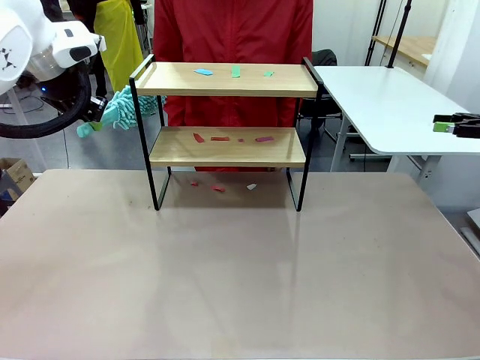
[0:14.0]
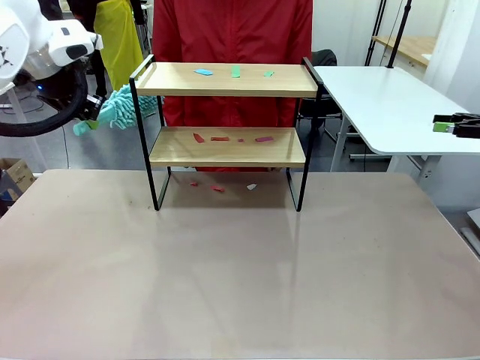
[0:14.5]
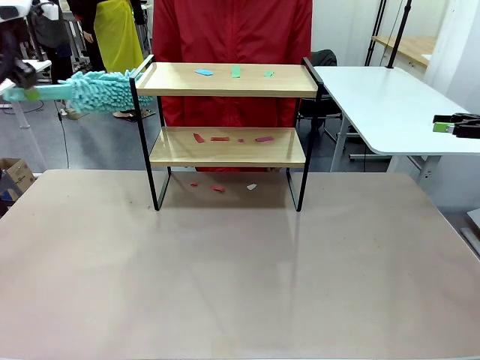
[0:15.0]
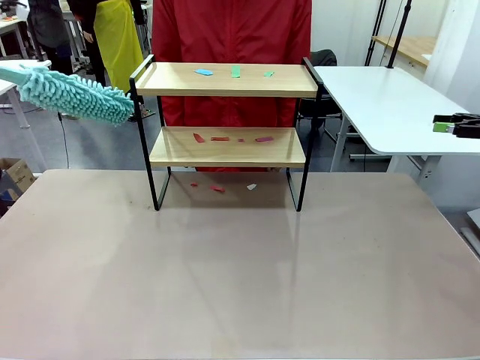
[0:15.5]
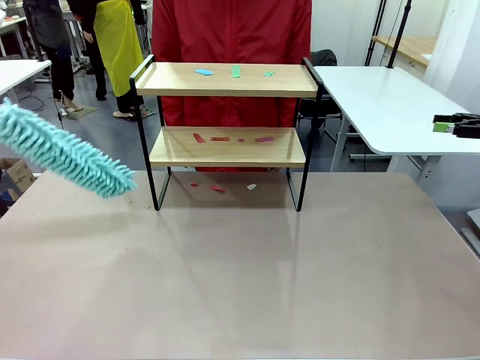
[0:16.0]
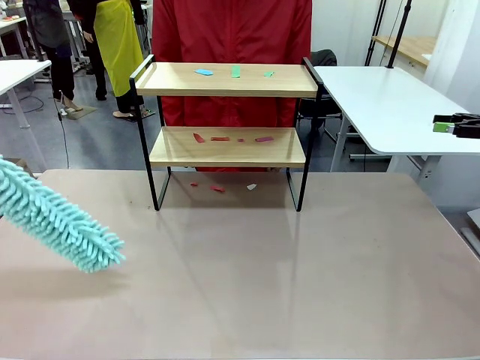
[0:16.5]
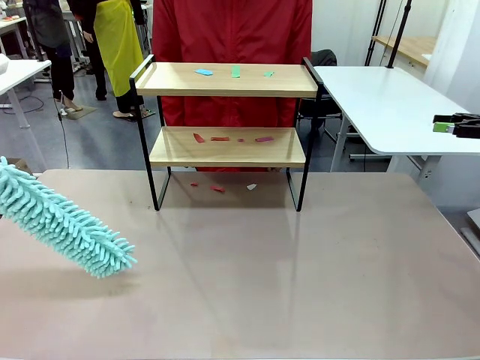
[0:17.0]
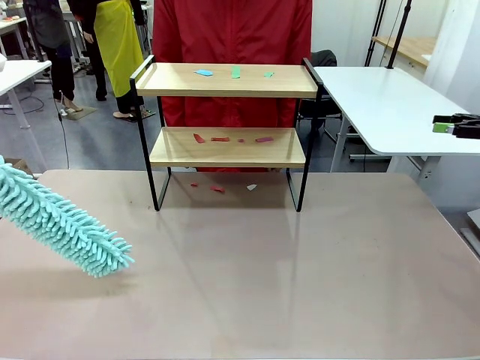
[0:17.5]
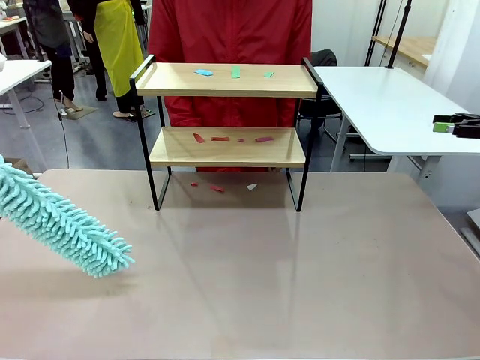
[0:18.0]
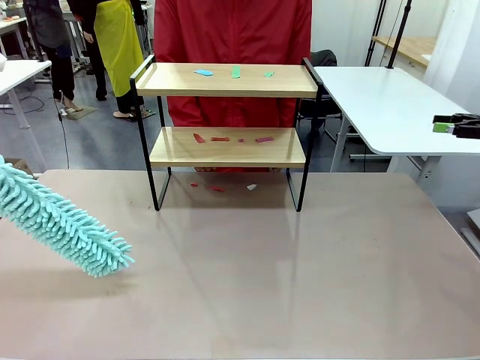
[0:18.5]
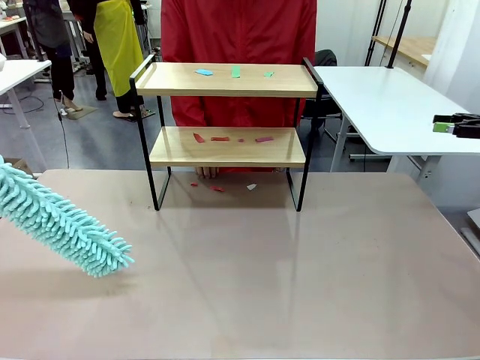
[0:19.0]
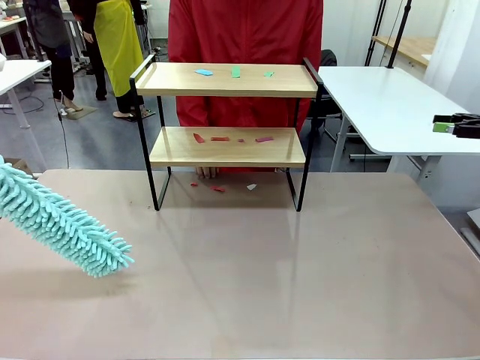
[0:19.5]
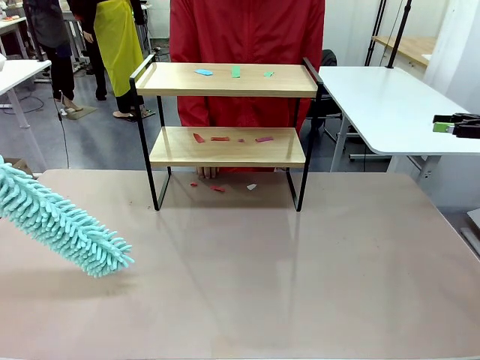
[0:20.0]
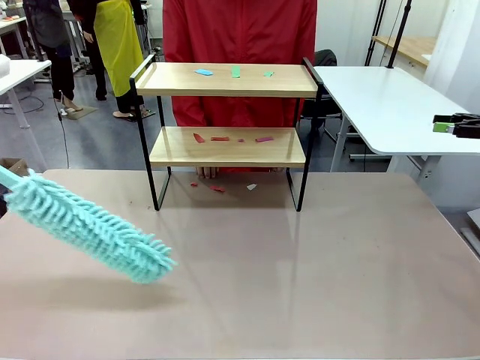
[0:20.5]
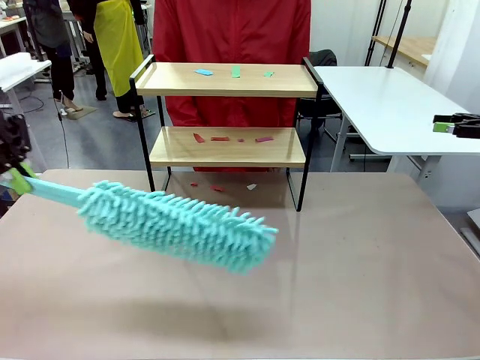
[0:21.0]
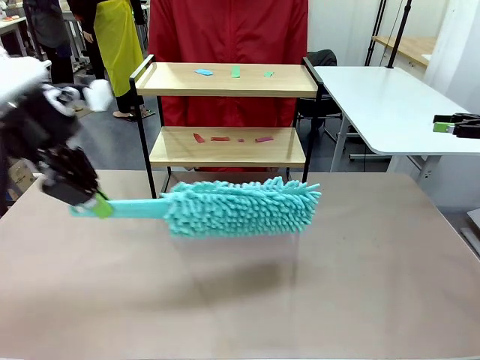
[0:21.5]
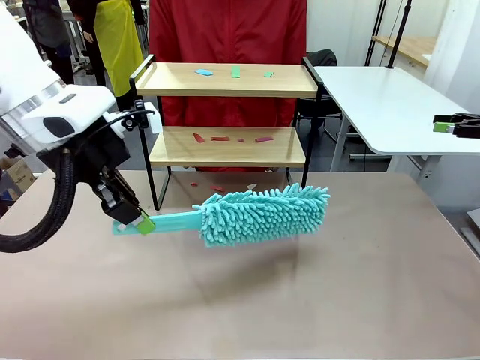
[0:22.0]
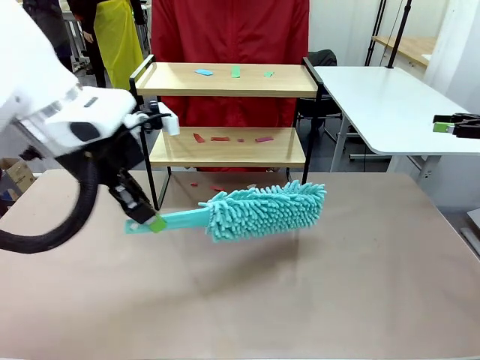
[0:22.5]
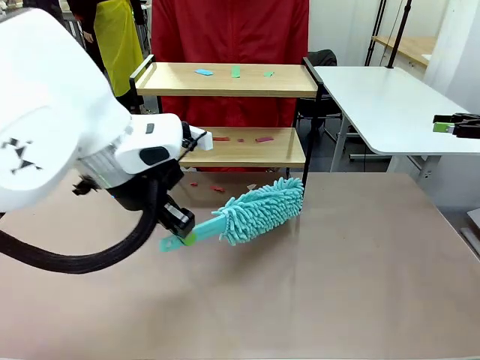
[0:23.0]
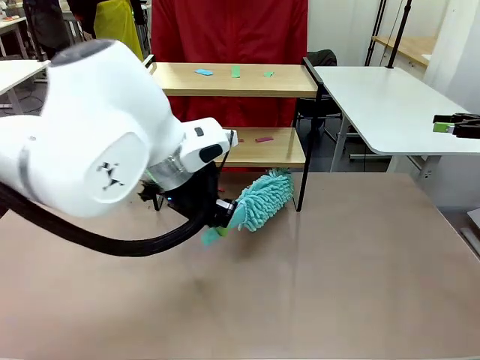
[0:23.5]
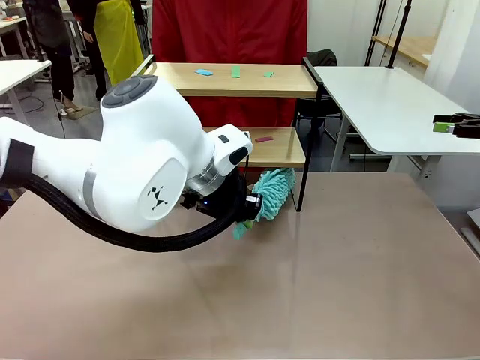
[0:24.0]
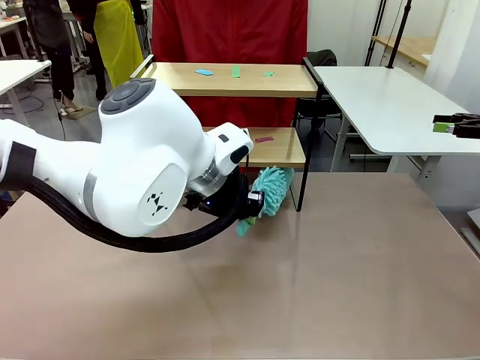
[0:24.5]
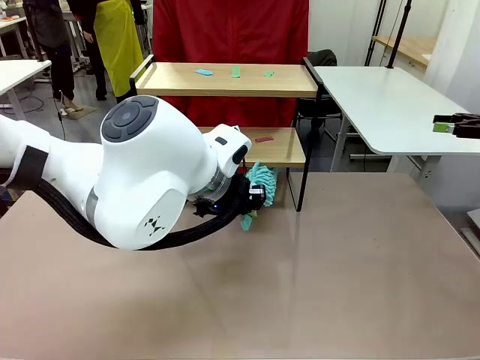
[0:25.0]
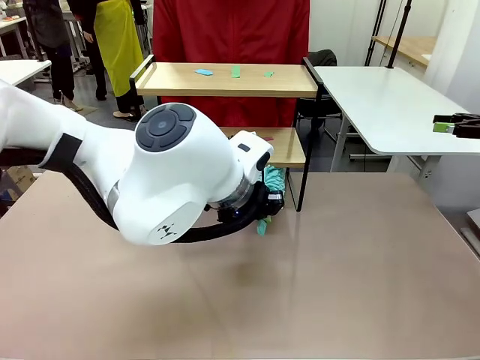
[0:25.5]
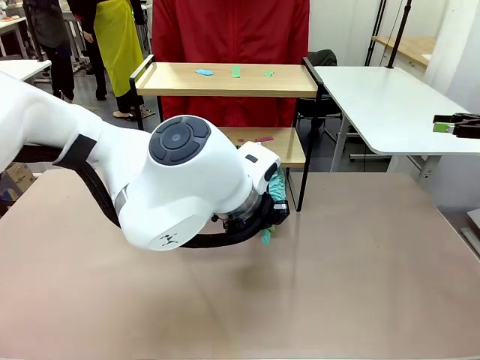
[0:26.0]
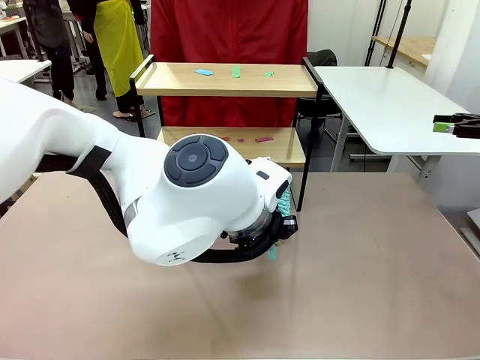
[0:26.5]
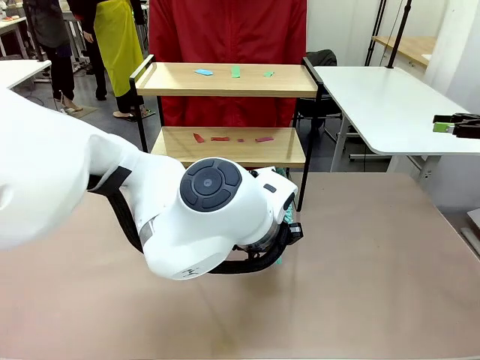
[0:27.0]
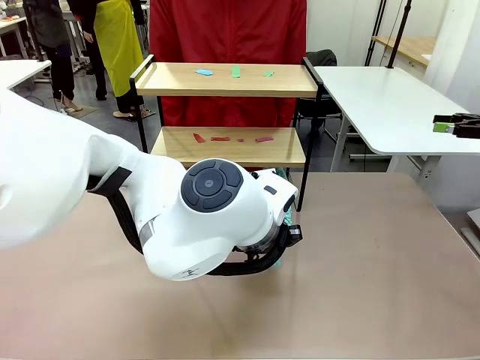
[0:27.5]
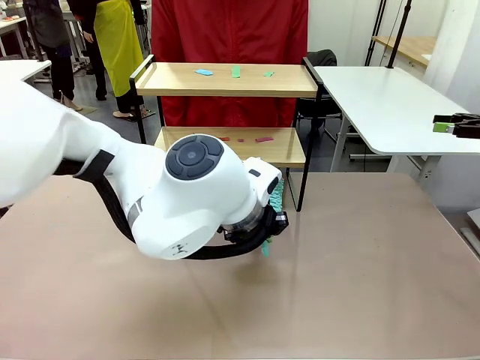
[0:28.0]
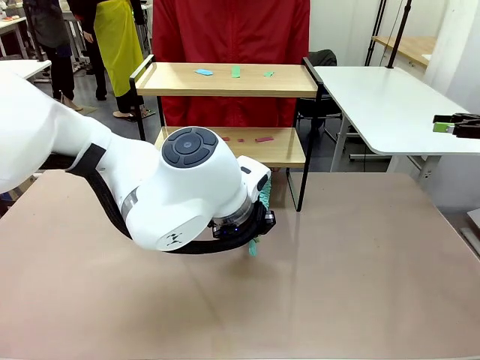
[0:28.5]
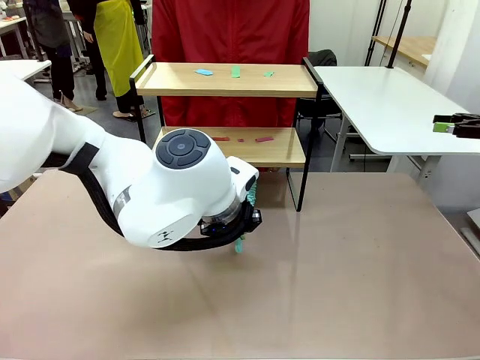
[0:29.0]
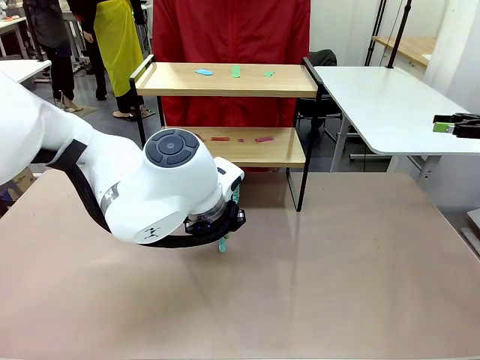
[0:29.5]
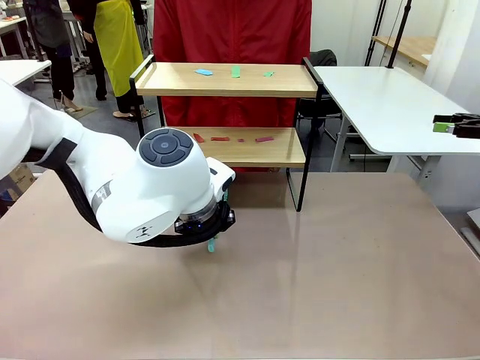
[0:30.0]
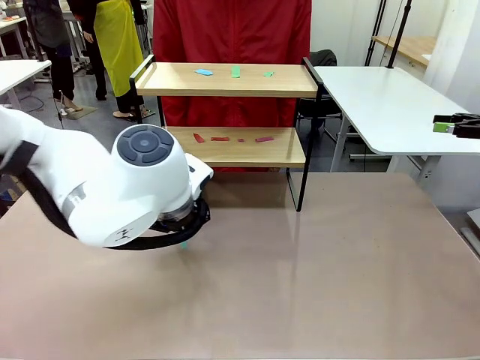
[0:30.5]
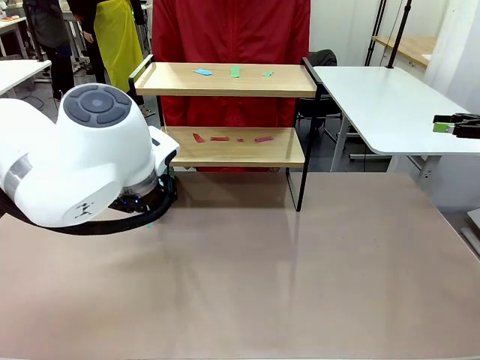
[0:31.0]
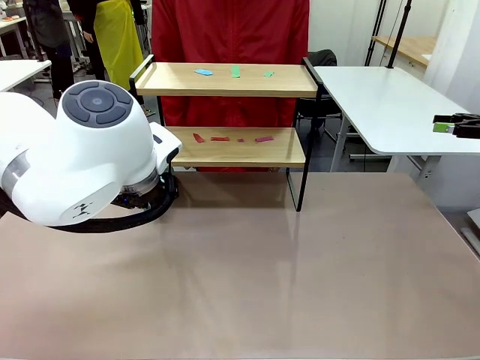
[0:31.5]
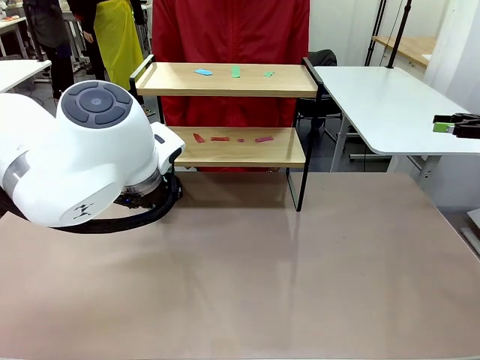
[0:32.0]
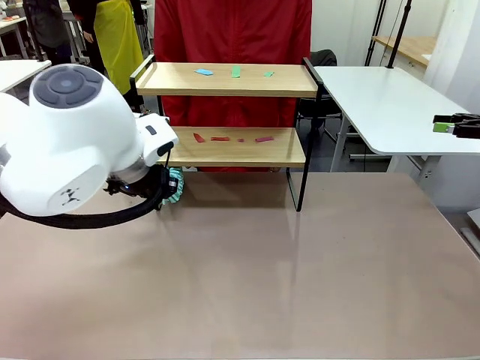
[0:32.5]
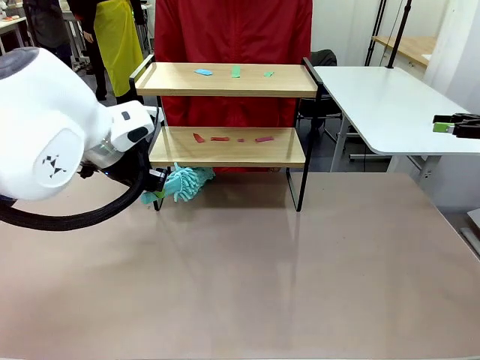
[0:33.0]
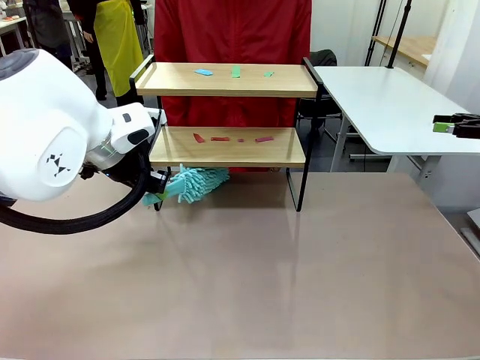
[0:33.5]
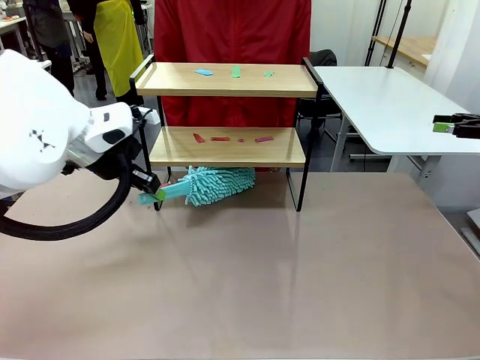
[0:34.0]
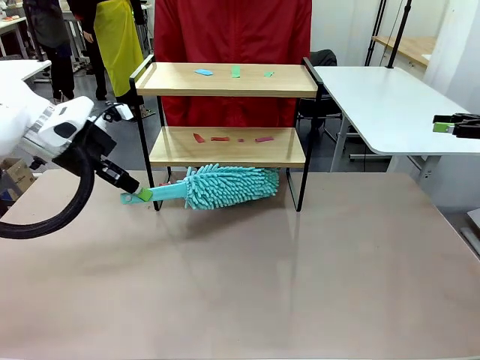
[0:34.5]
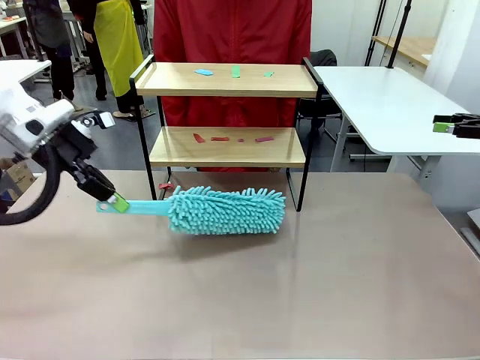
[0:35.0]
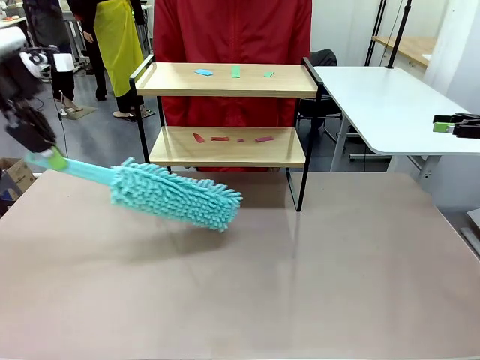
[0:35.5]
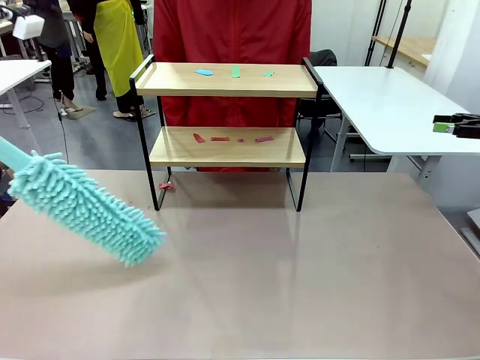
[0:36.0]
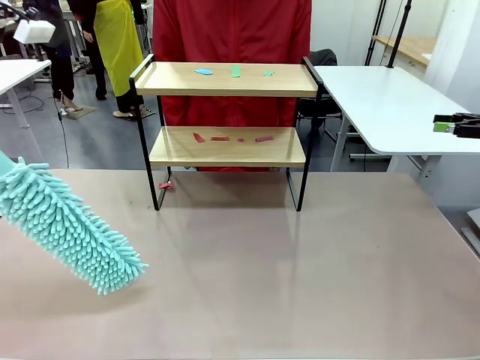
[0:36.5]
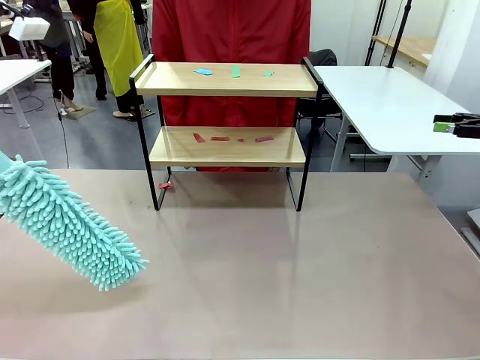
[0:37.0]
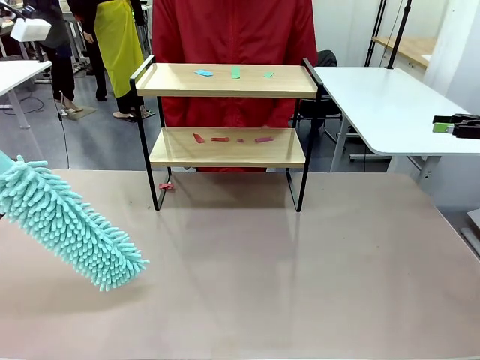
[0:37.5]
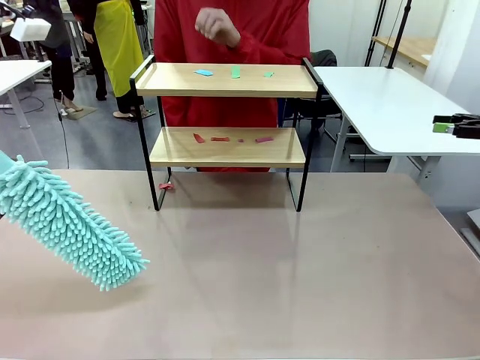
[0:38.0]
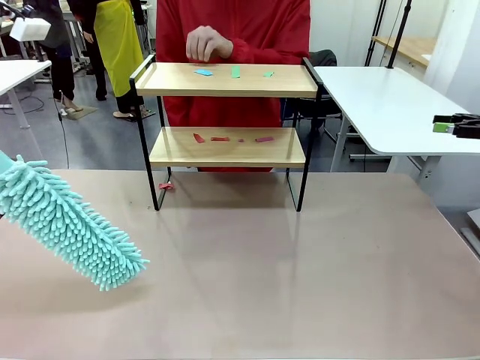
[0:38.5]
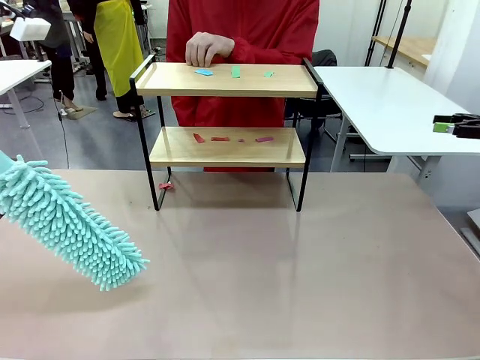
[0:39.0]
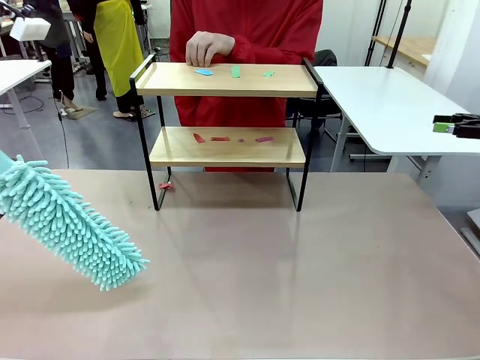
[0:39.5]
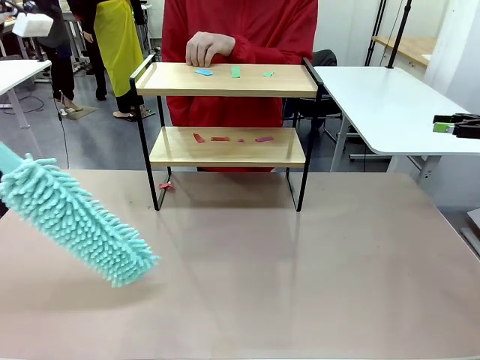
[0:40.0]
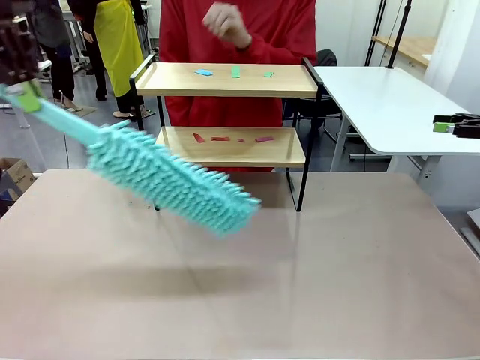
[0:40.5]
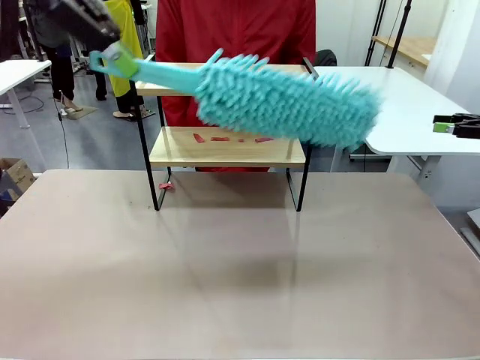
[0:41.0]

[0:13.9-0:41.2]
Task: Clean the shelf.
Robot: Clean the specific section of the Shelf indicated by the human with the Duster.
Person: Point a random section of the Shelf.
